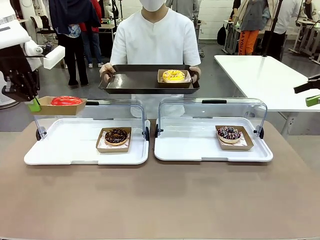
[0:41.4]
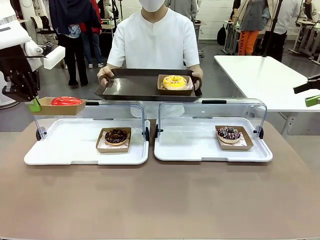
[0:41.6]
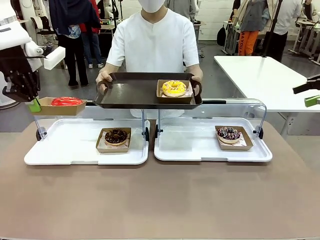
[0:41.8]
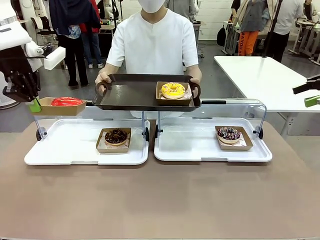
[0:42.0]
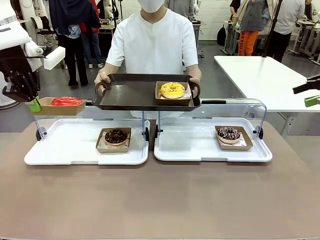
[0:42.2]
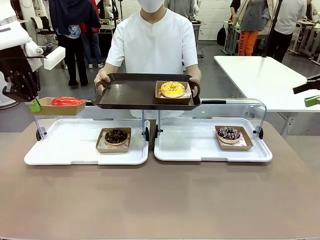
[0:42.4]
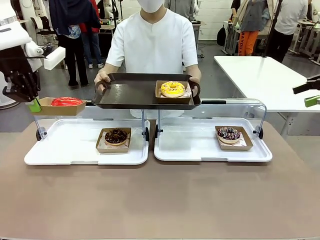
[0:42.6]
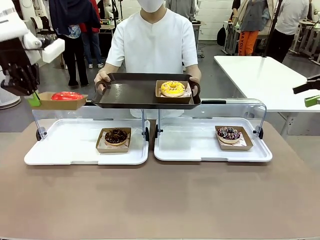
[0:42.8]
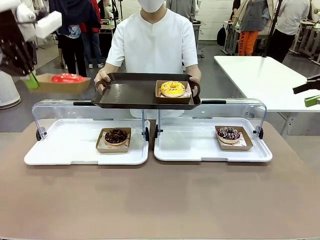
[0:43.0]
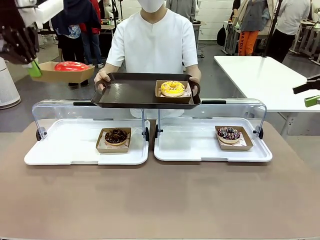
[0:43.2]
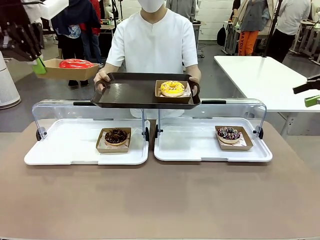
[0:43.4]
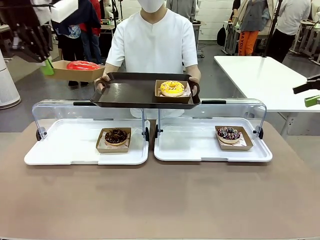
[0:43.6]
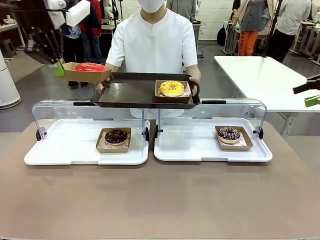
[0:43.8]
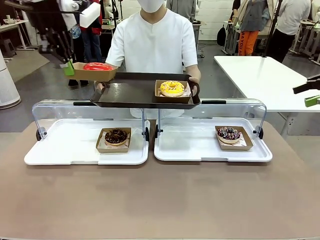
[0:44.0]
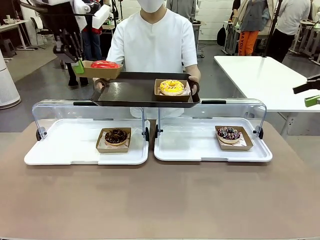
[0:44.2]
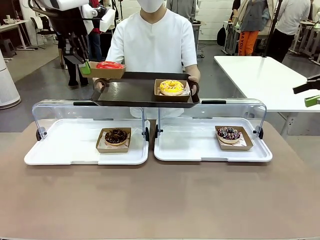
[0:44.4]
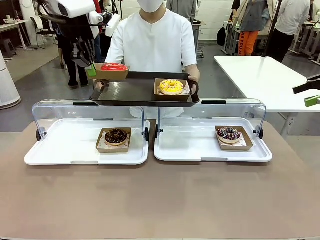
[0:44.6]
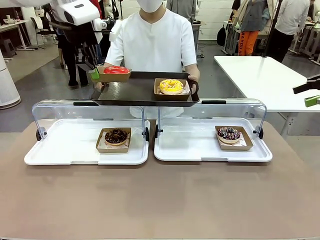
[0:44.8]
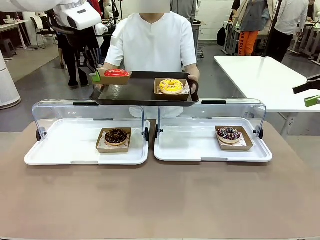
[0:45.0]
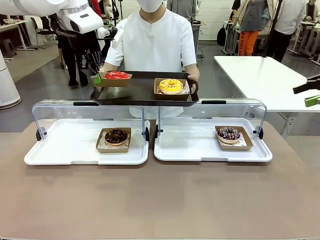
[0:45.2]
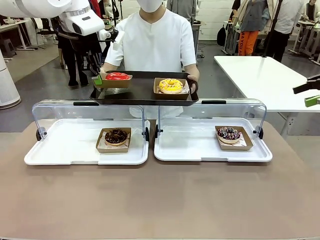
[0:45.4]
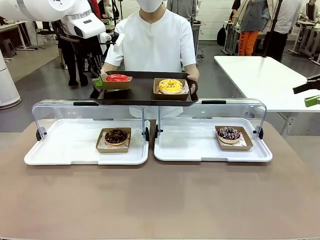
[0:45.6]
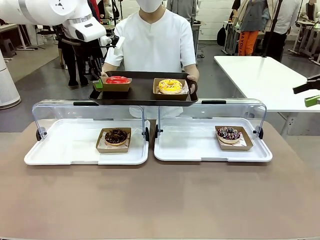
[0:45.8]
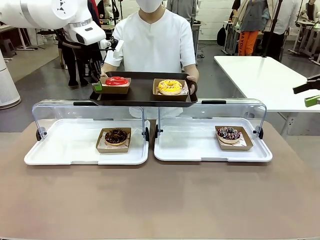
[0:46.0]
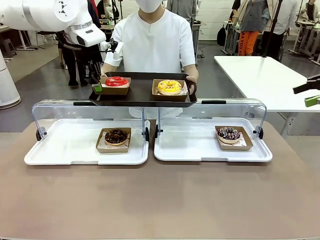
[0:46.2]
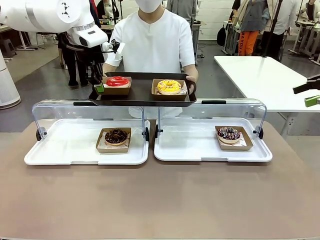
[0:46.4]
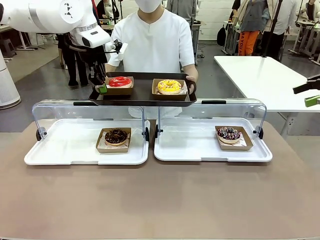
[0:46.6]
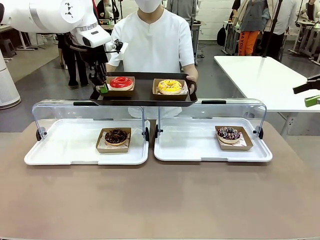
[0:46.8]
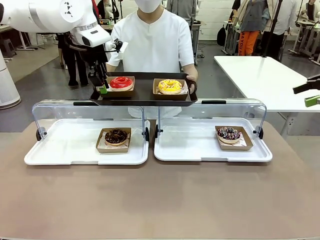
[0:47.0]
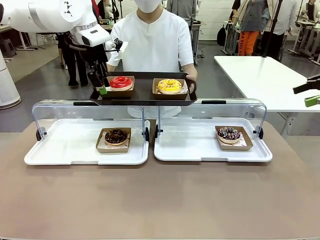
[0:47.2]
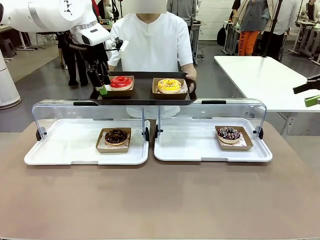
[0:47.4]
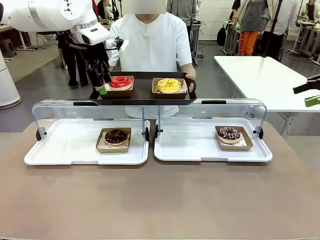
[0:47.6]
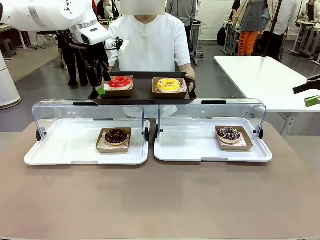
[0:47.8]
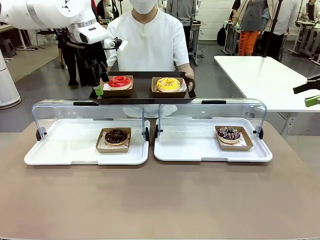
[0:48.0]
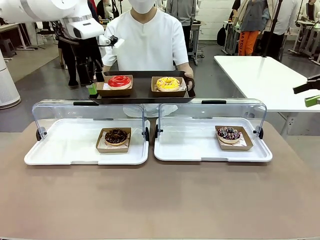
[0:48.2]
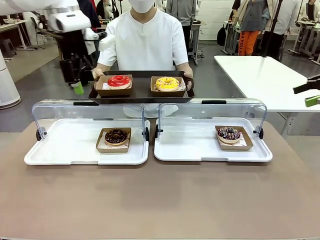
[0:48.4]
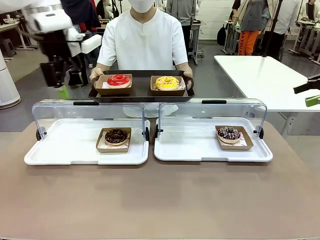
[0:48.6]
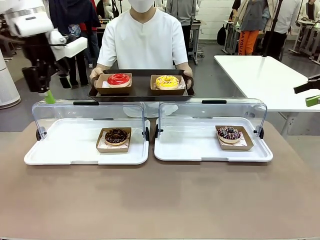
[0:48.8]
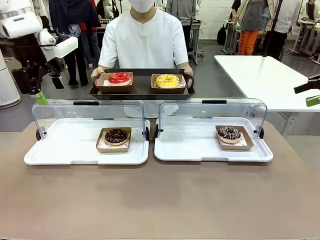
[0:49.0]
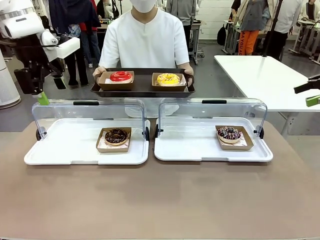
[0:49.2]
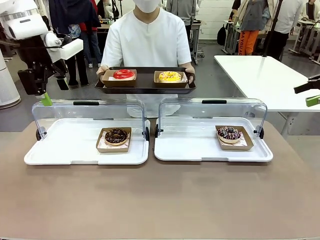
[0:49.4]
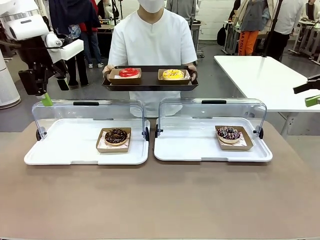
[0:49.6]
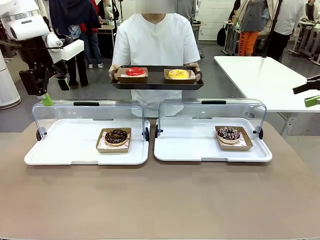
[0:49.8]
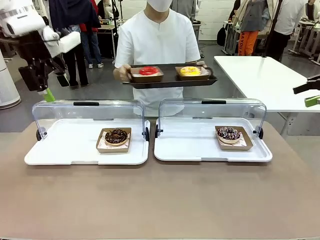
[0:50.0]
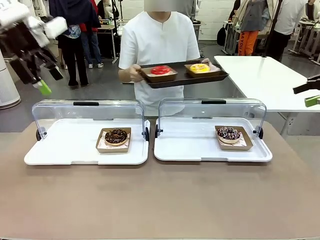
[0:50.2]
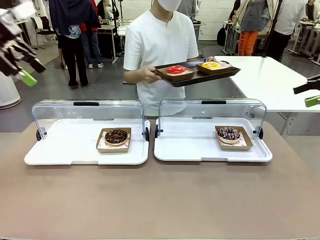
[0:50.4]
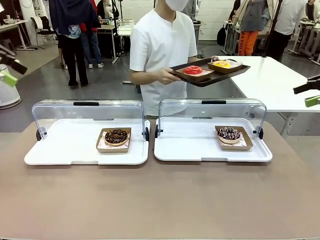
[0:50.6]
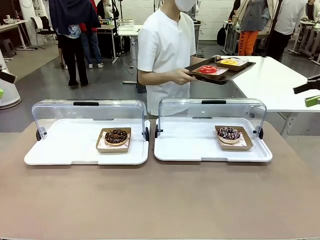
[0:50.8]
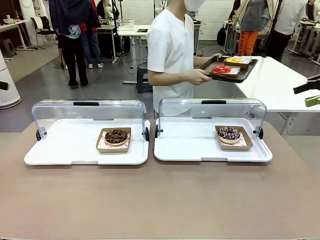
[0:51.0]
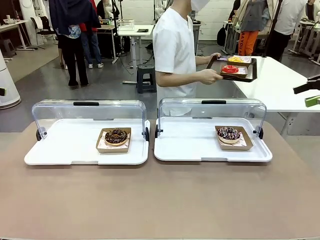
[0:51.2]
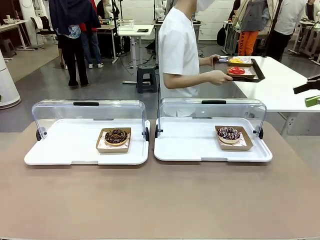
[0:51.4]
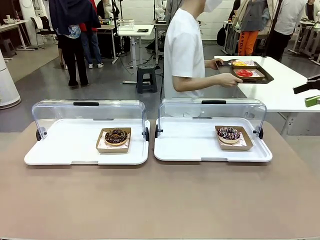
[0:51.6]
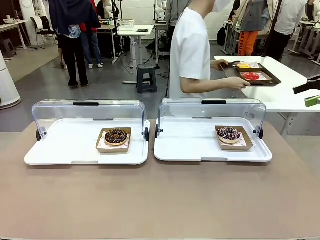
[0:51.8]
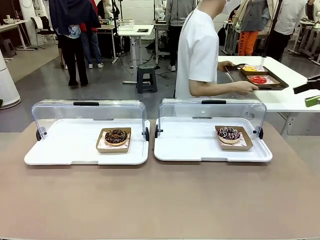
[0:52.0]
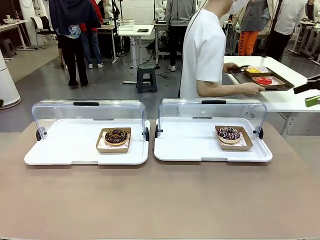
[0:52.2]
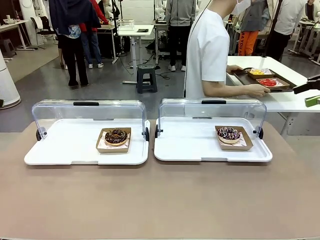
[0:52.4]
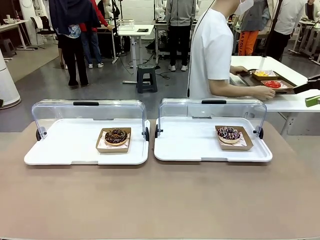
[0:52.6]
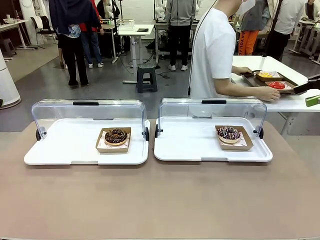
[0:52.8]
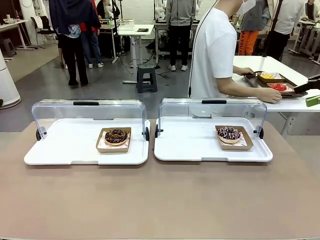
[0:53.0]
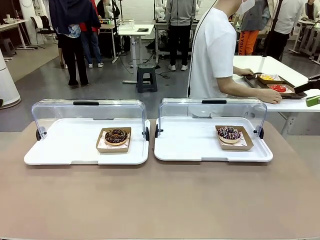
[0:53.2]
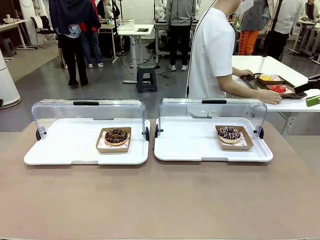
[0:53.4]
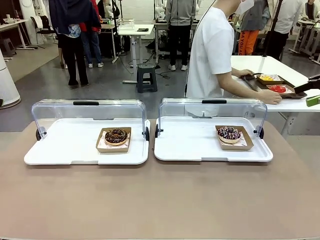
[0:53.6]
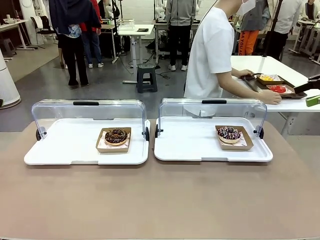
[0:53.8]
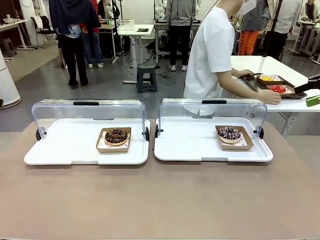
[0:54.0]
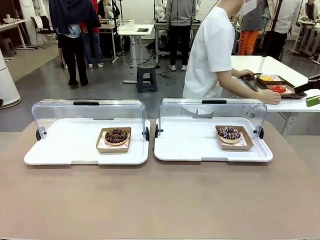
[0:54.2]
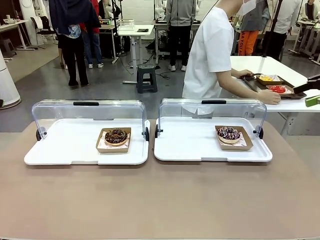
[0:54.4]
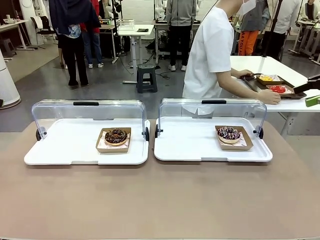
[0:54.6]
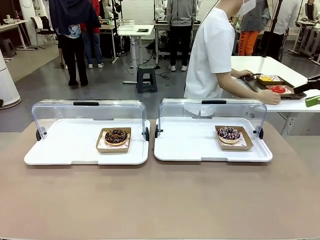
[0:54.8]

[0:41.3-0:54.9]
Task: Provide the desired donut to the person.
Robot: Place the picked Paper togo box onto the Handle tray extended by the person.
Person: Lift the tray onto the Roll-Top Bakery Case. Place the tray in the middle of the human table.
